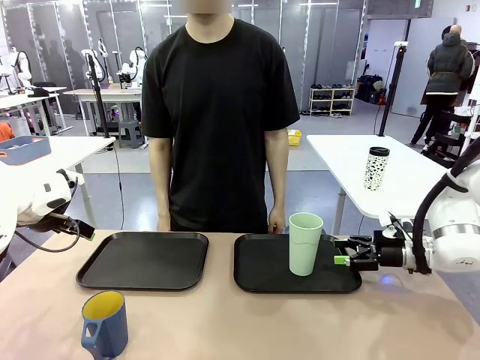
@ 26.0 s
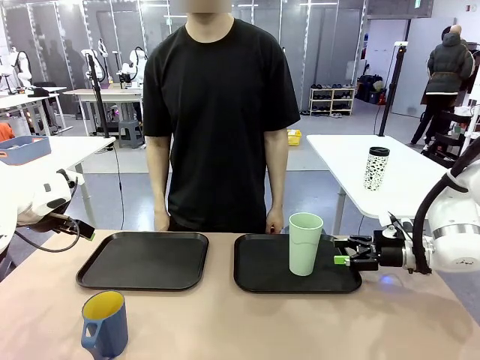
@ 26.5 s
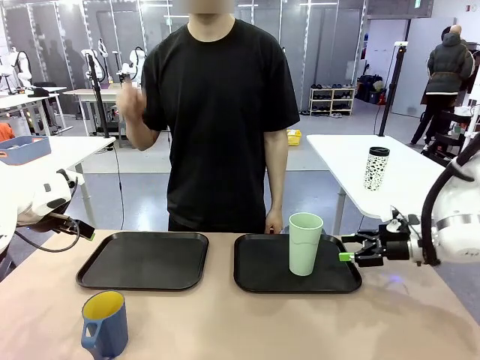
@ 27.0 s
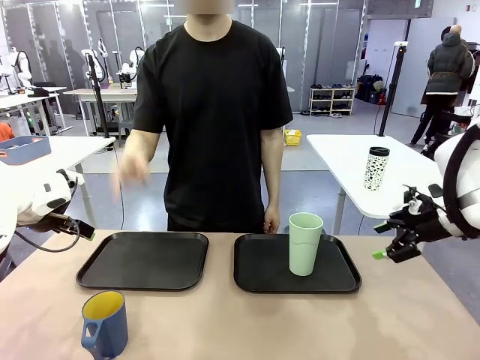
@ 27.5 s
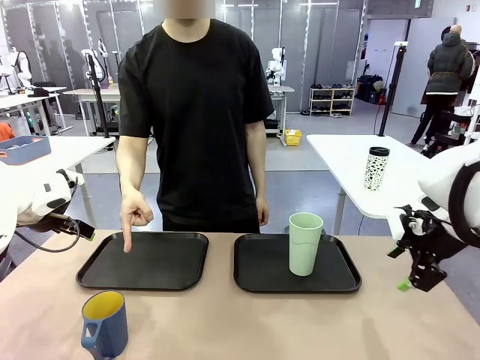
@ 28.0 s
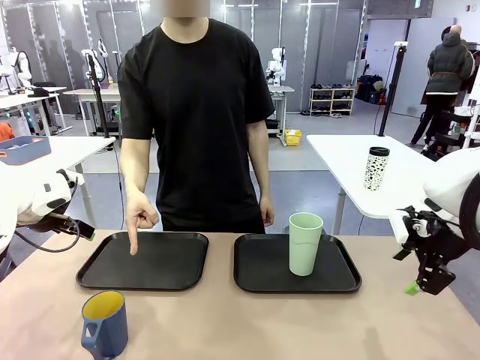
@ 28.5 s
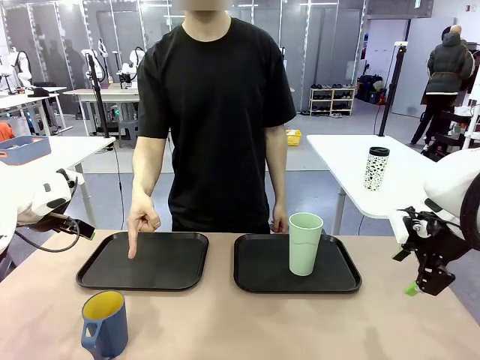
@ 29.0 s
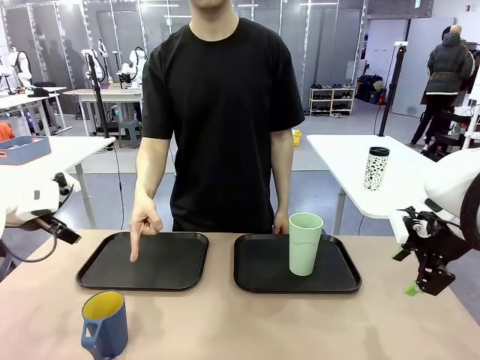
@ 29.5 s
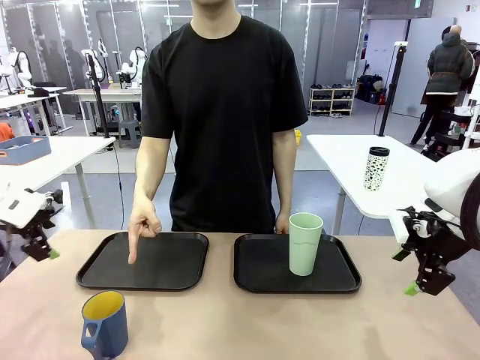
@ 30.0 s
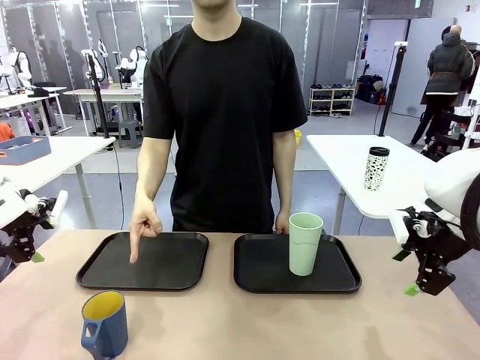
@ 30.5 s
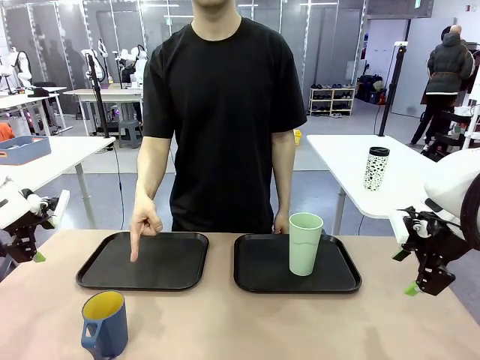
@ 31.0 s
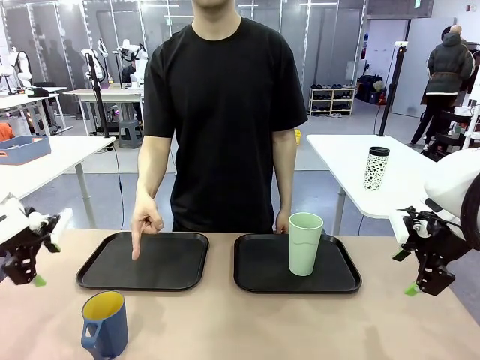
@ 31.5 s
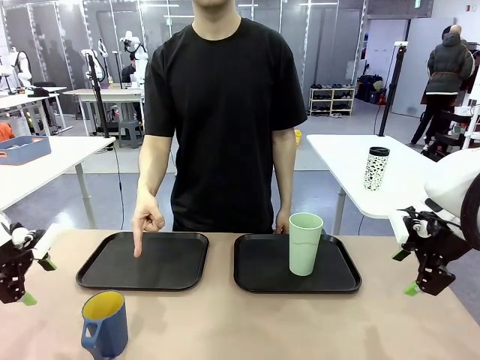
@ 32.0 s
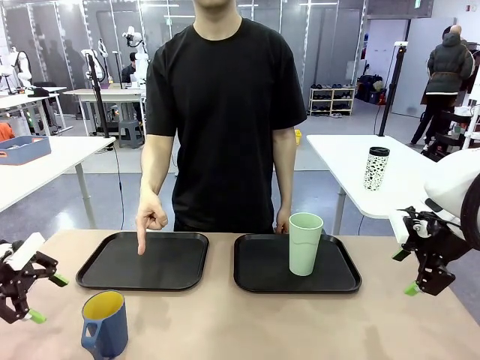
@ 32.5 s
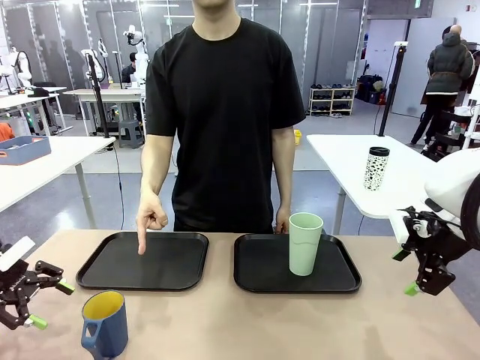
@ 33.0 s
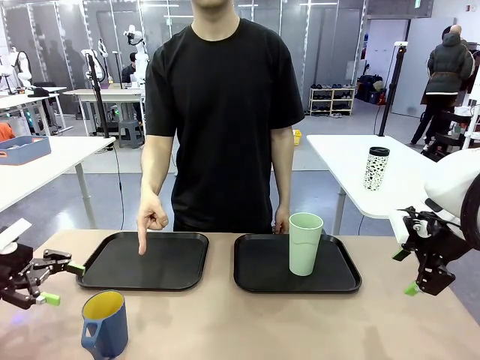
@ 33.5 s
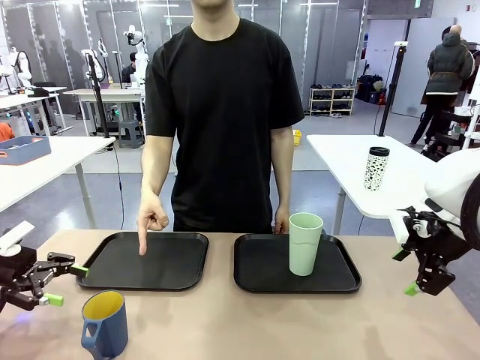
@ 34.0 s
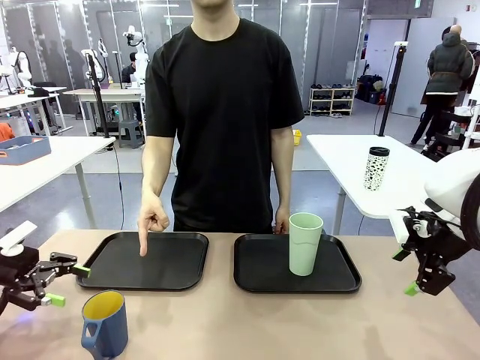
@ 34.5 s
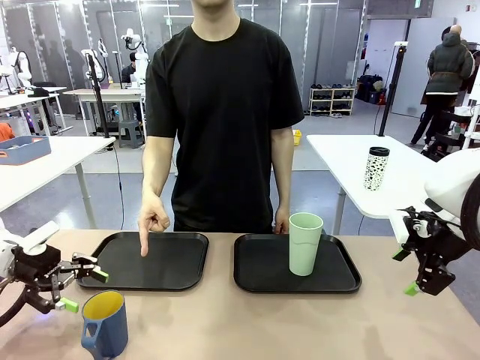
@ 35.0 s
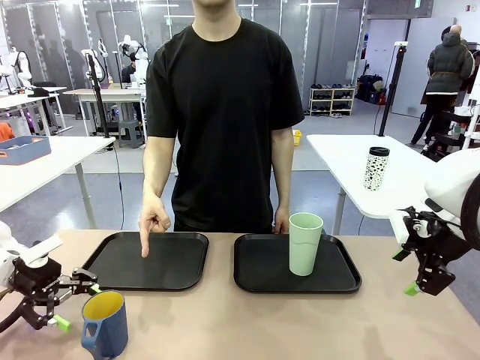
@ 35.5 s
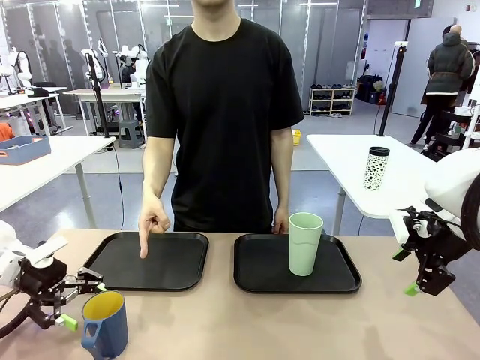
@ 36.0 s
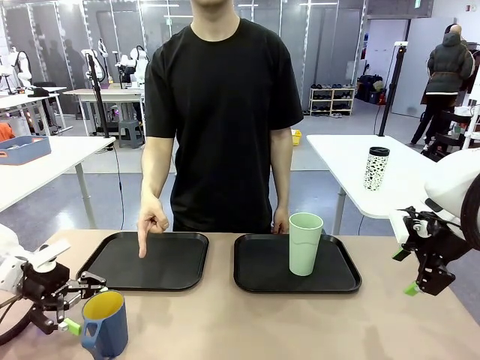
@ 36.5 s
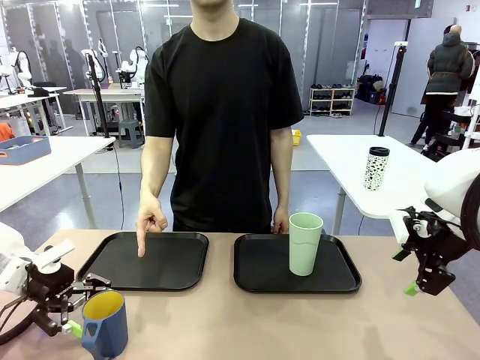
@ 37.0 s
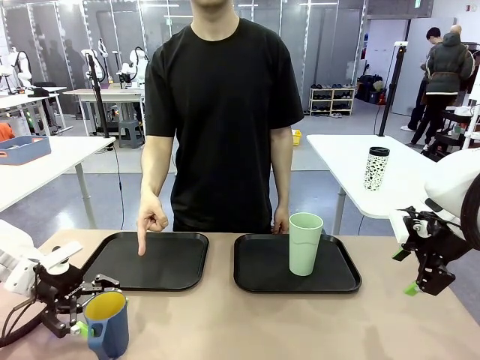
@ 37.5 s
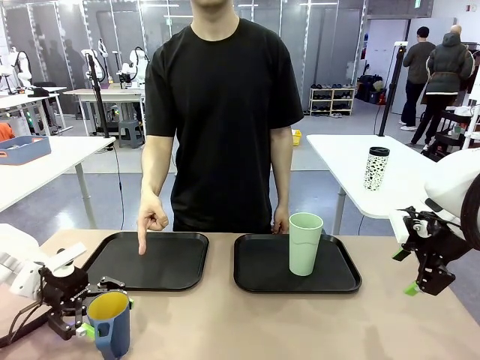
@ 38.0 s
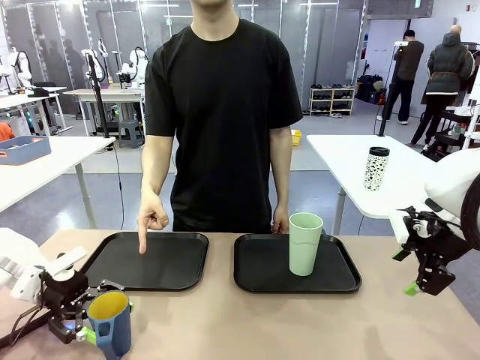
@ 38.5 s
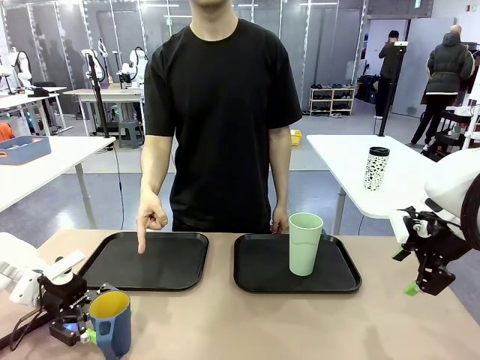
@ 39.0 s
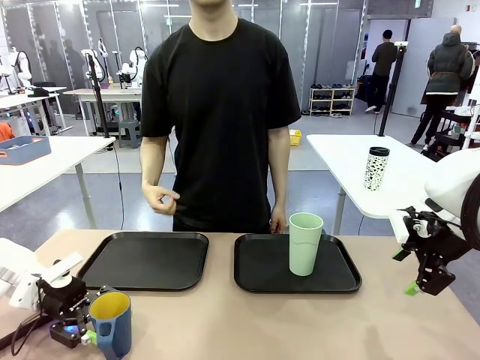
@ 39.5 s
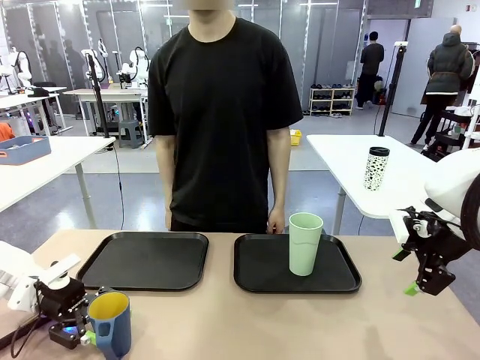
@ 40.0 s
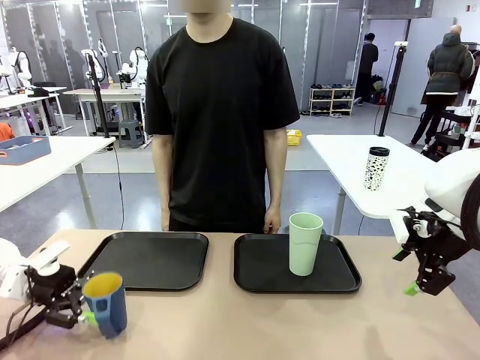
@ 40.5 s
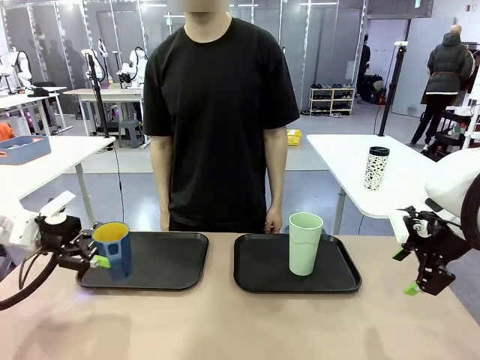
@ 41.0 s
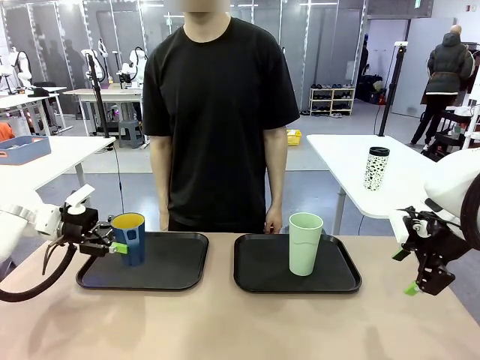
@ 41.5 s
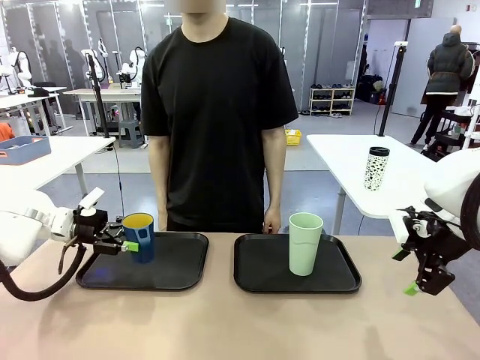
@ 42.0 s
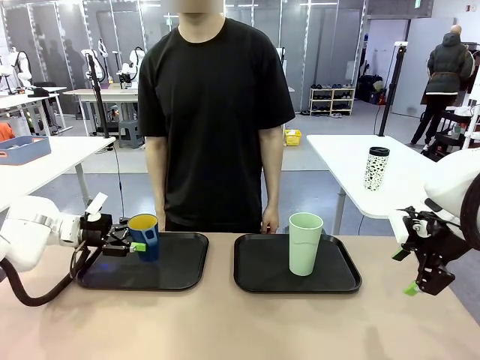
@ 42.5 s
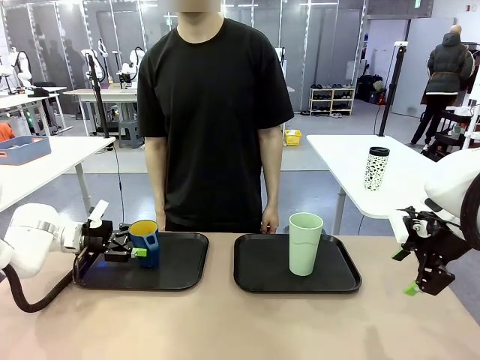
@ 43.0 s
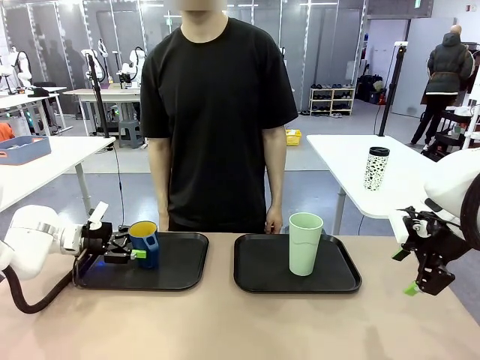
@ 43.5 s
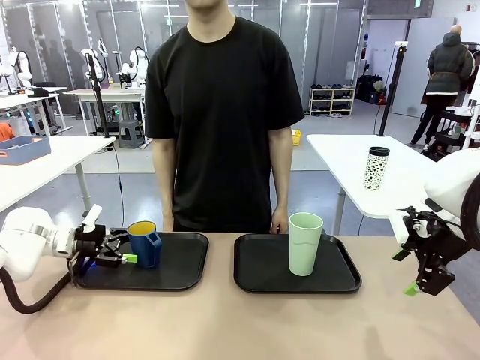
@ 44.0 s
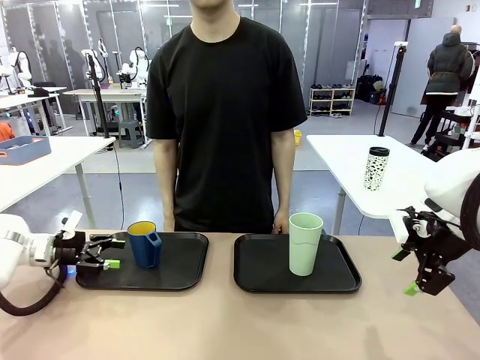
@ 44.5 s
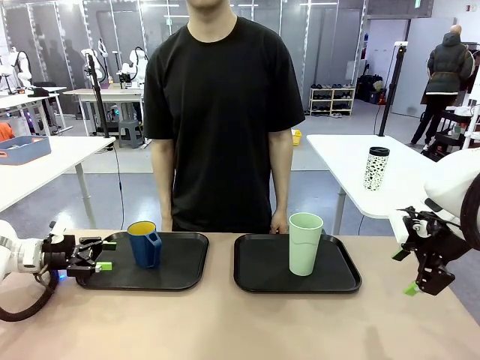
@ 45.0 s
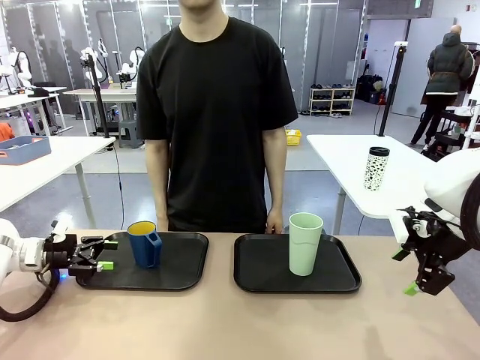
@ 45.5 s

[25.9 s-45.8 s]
Task: Sort and store the cups by type.
Robot: Pick up the Handle plastic cup and place it into the empty Flat Tray.
Person: Points to the cup with a handle.

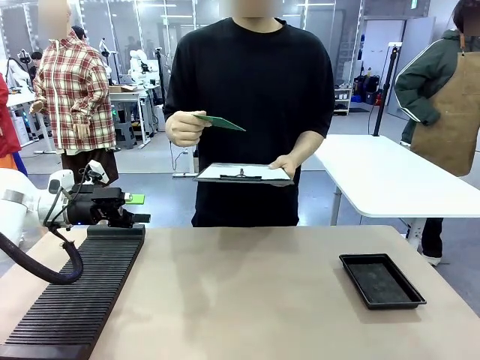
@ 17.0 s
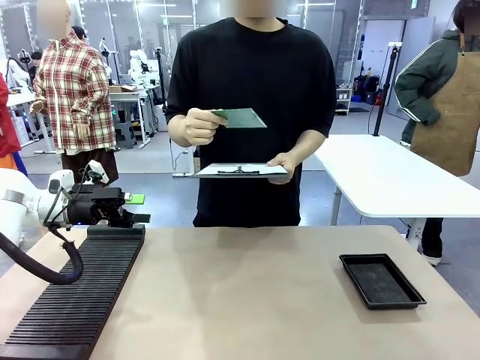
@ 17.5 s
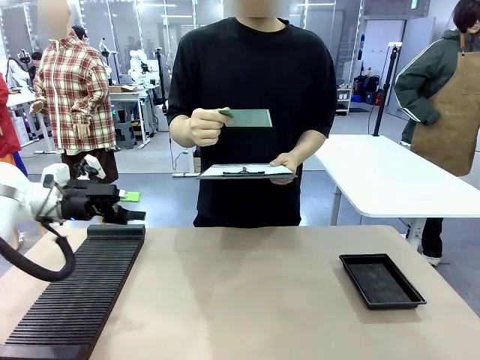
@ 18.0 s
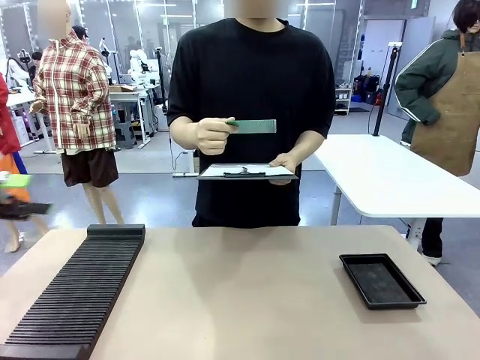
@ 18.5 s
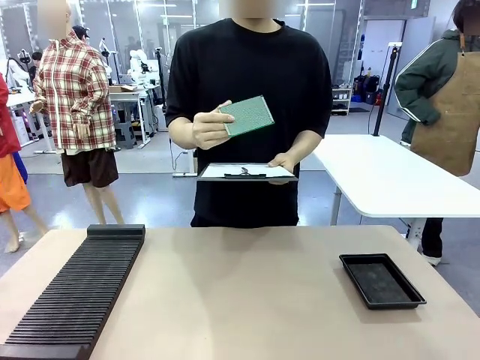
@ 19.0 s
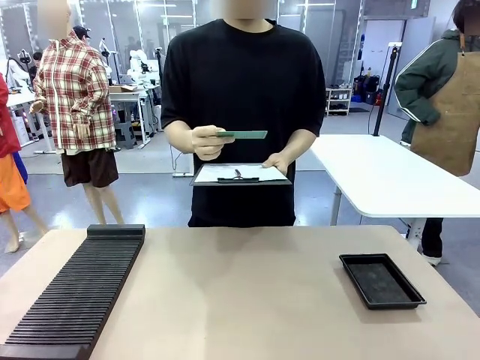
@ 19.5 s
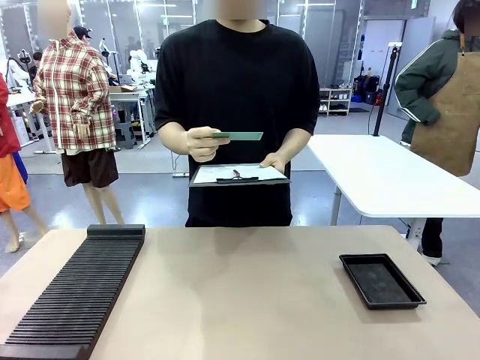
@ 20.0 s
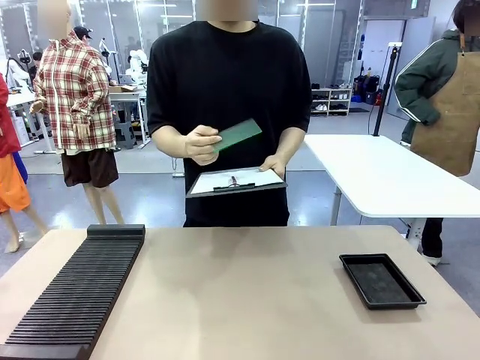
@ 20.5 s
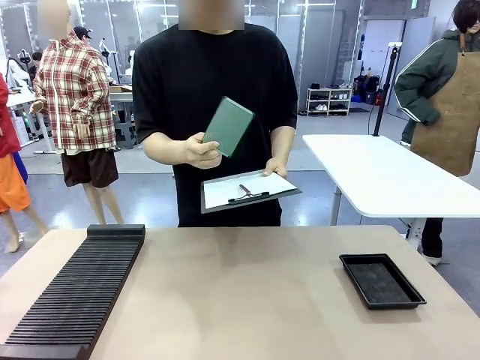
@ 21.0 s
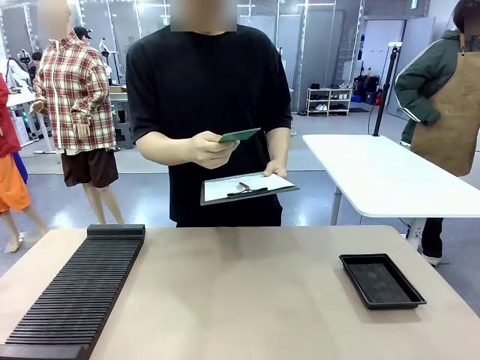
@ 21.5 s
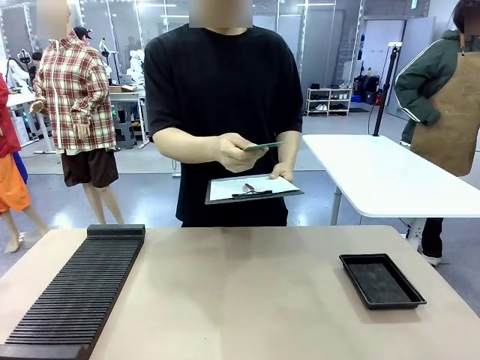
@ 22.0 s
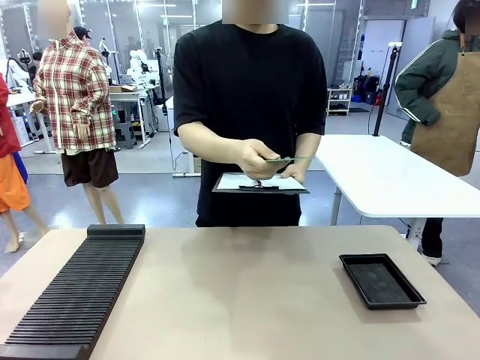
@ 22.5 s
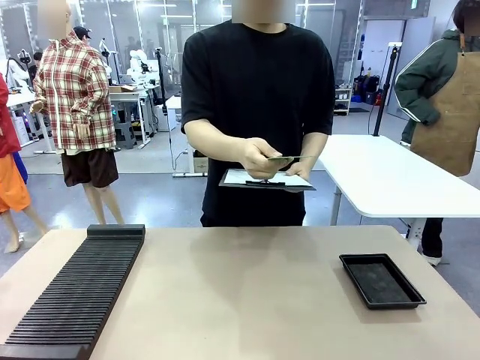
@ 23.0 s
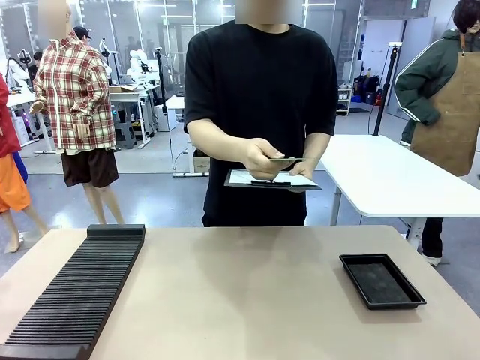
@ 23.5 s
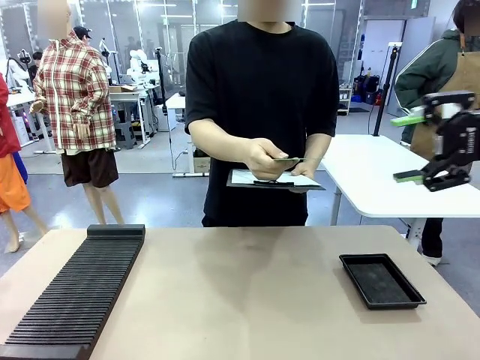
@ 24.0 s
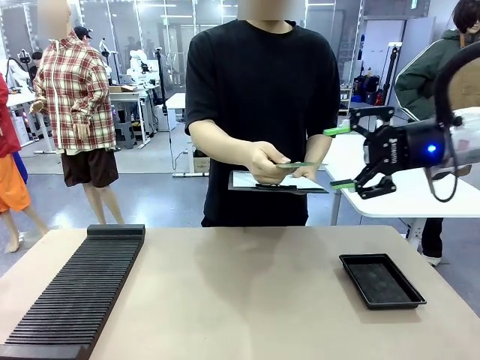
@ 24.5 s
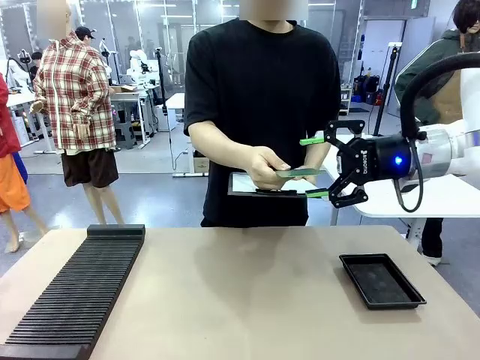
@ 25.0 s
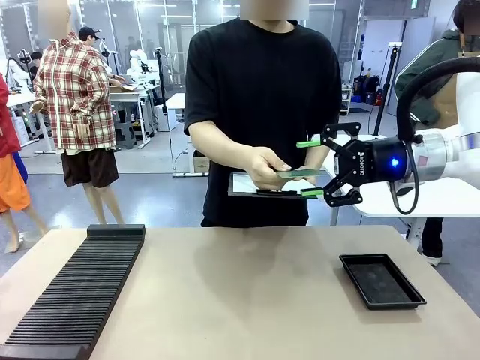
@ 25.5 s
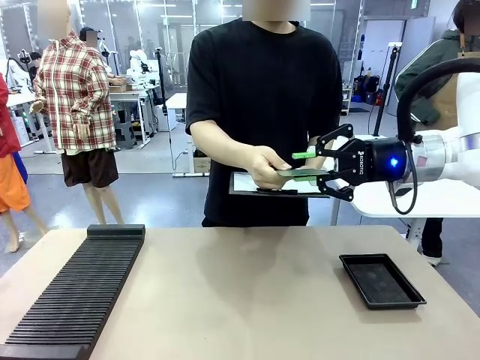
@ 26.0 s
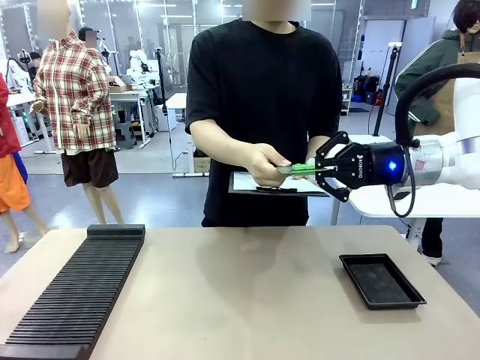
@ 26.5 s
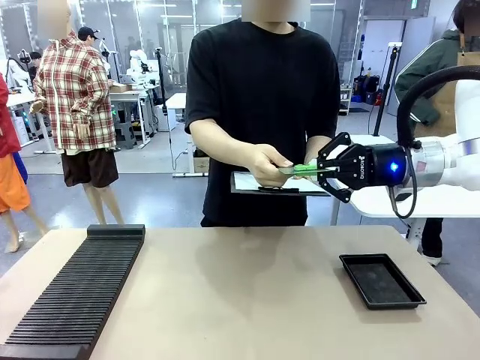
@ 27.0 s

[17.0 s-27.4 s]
Task: Inspect the PCB.
Robot: Pick up the Blank PCB that the human is holding.
Person: Inspect the PCB placed by the robot, then hold it out in front of the robot. Release the PCB you were holding.
